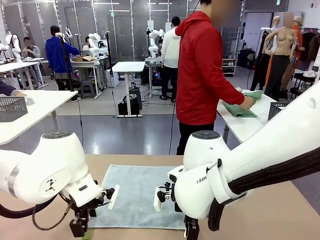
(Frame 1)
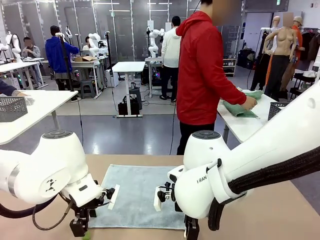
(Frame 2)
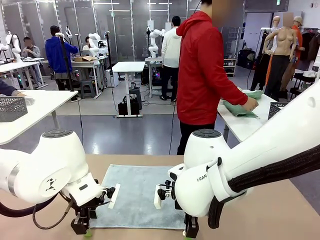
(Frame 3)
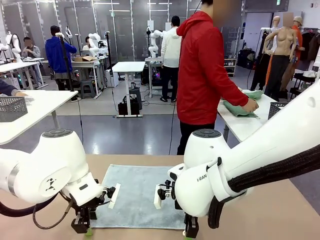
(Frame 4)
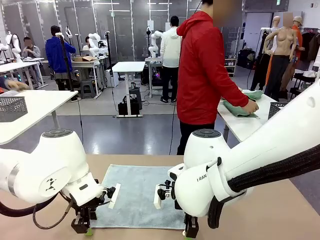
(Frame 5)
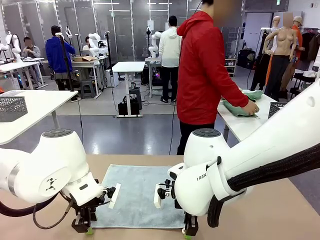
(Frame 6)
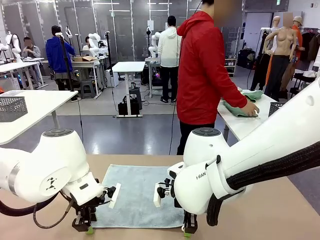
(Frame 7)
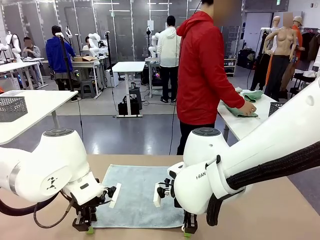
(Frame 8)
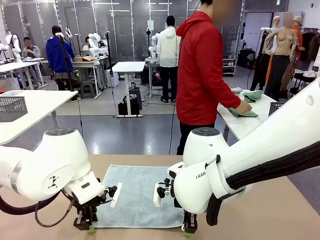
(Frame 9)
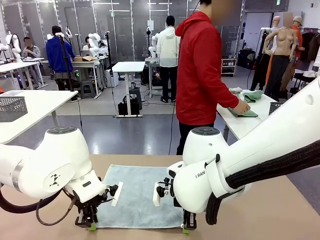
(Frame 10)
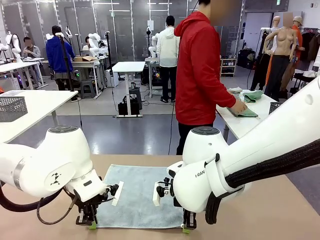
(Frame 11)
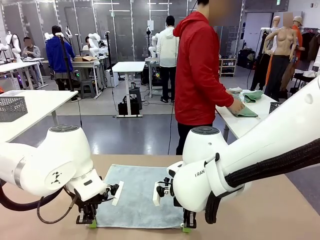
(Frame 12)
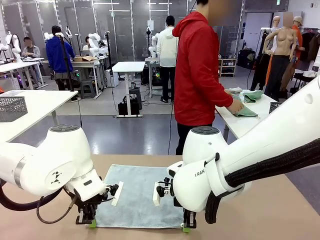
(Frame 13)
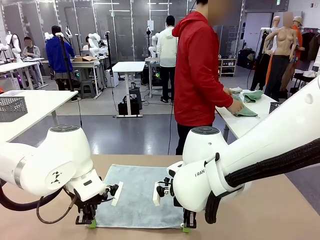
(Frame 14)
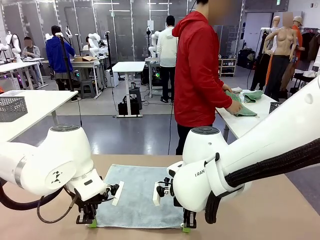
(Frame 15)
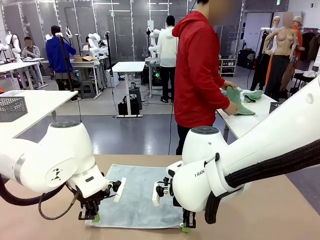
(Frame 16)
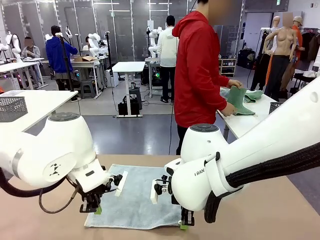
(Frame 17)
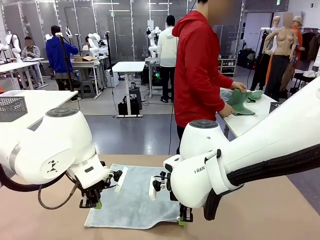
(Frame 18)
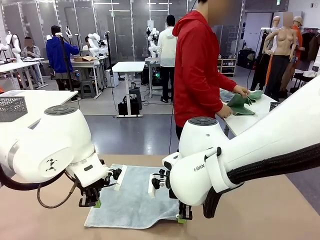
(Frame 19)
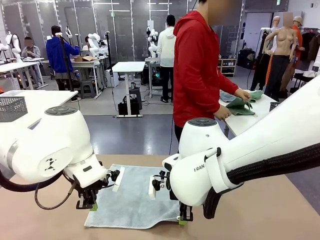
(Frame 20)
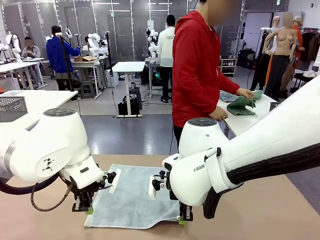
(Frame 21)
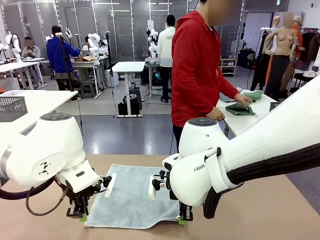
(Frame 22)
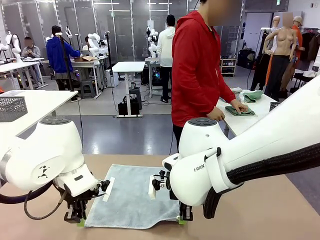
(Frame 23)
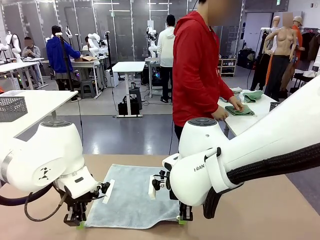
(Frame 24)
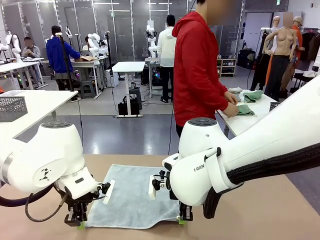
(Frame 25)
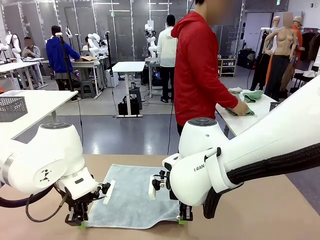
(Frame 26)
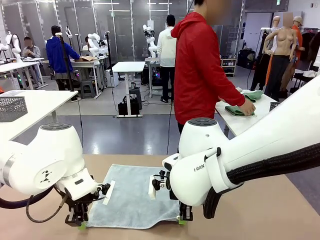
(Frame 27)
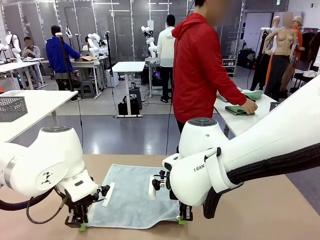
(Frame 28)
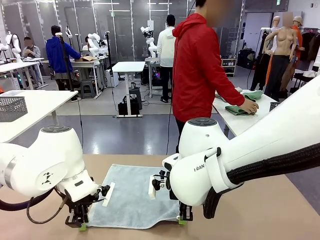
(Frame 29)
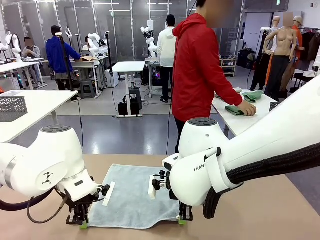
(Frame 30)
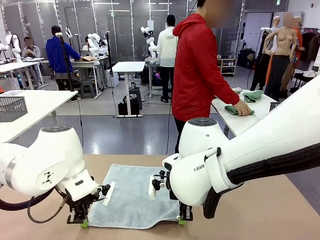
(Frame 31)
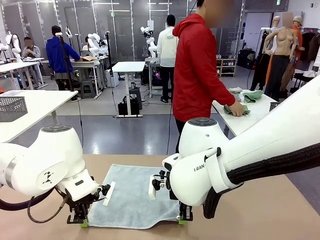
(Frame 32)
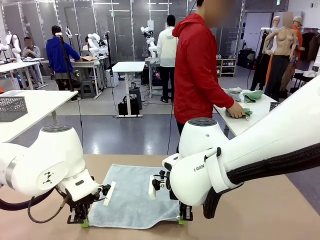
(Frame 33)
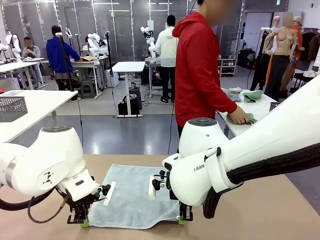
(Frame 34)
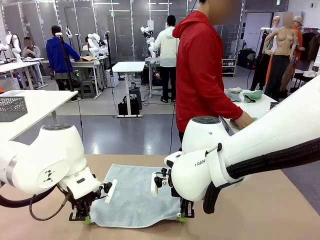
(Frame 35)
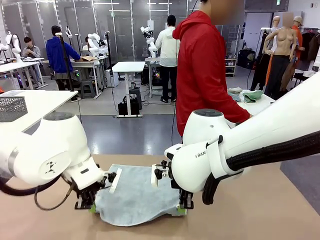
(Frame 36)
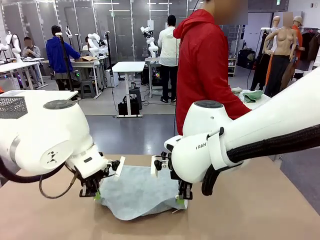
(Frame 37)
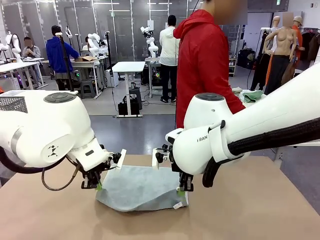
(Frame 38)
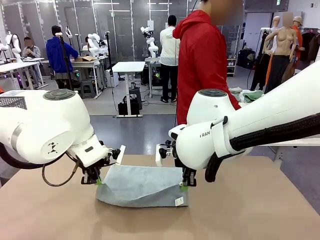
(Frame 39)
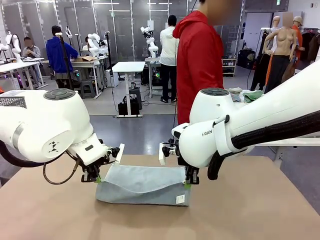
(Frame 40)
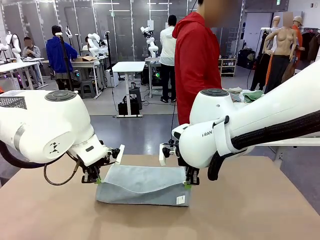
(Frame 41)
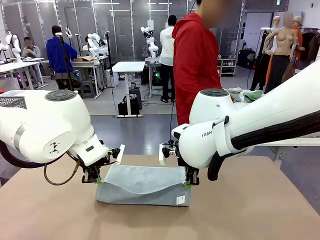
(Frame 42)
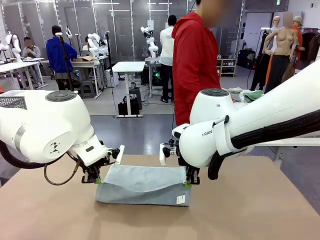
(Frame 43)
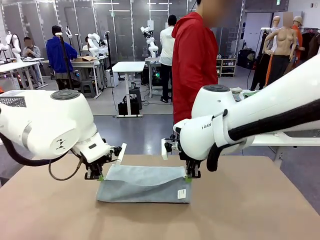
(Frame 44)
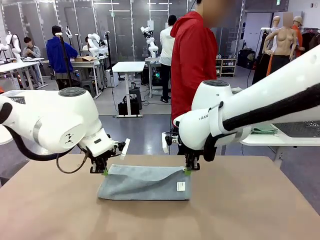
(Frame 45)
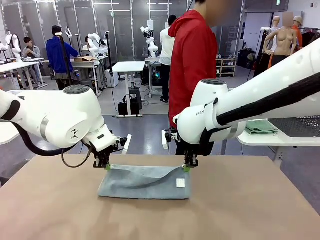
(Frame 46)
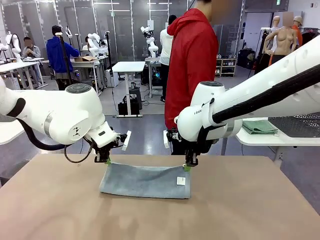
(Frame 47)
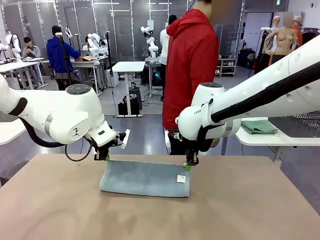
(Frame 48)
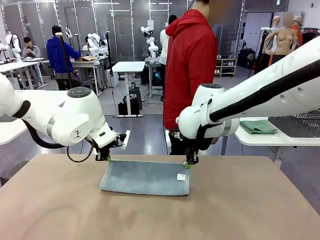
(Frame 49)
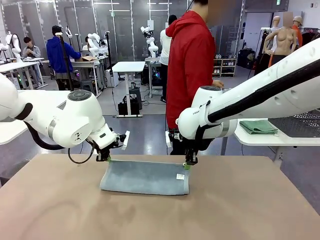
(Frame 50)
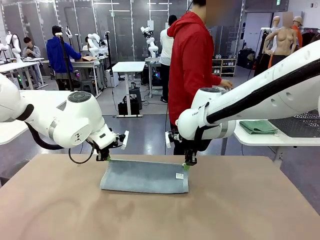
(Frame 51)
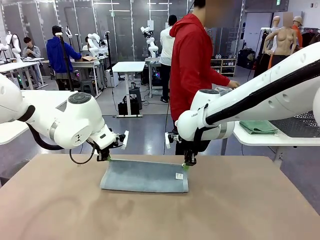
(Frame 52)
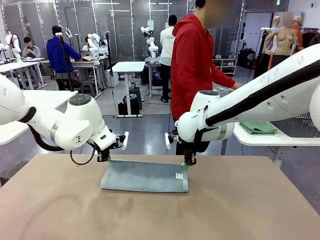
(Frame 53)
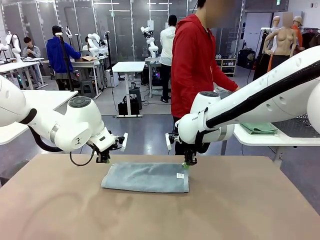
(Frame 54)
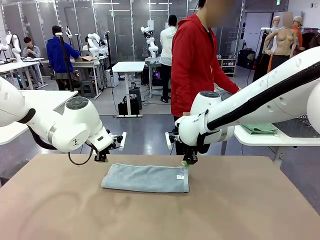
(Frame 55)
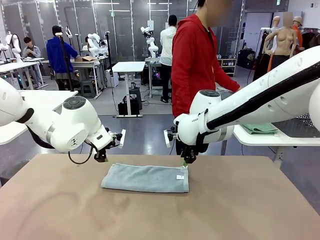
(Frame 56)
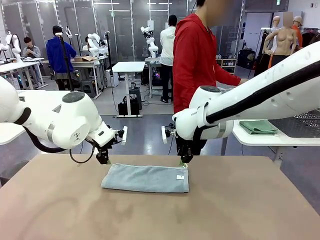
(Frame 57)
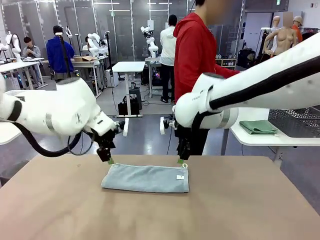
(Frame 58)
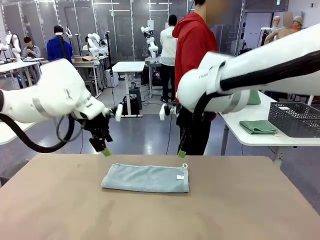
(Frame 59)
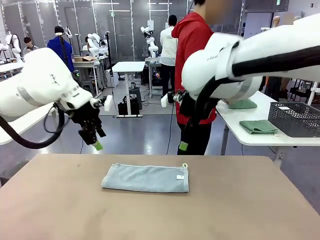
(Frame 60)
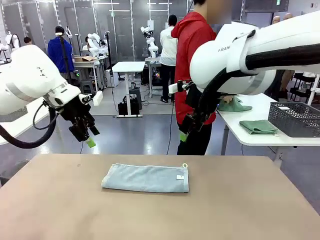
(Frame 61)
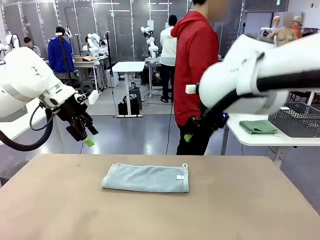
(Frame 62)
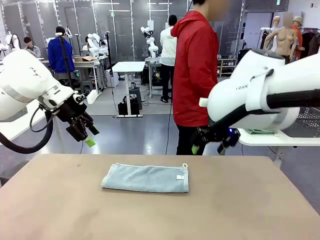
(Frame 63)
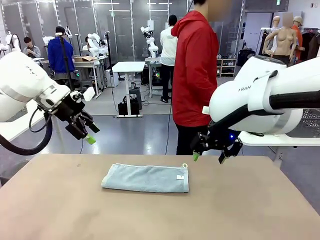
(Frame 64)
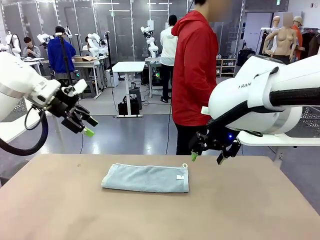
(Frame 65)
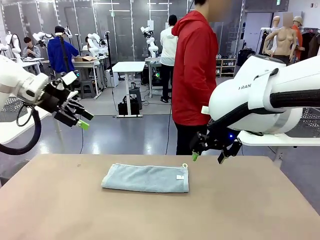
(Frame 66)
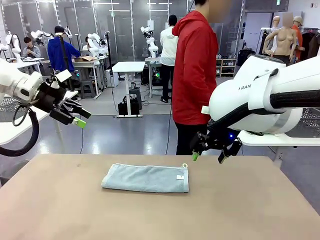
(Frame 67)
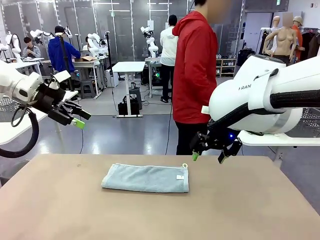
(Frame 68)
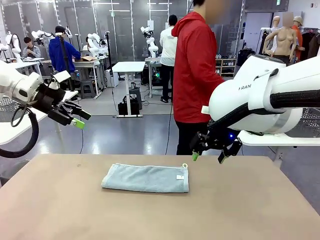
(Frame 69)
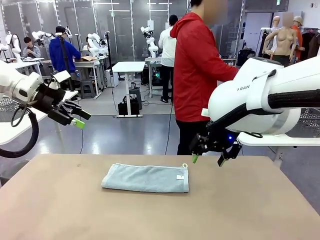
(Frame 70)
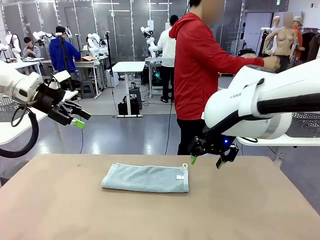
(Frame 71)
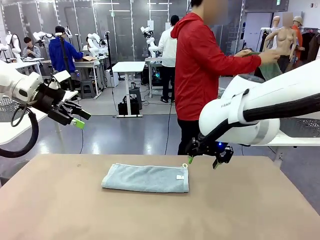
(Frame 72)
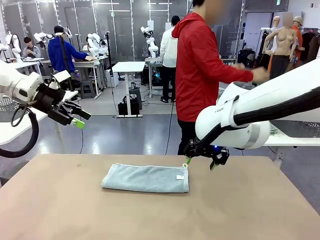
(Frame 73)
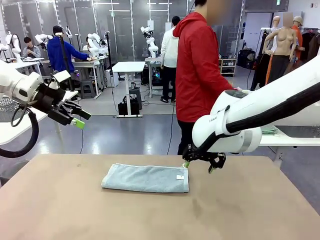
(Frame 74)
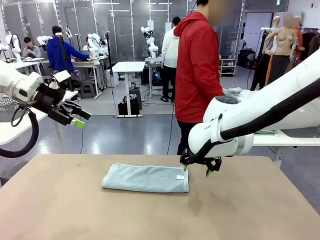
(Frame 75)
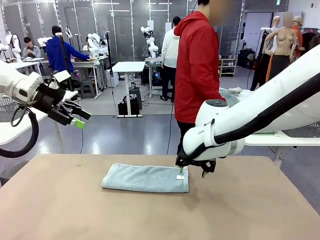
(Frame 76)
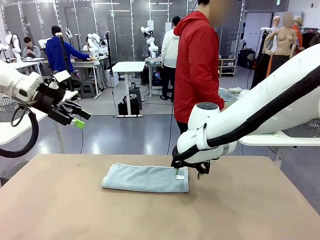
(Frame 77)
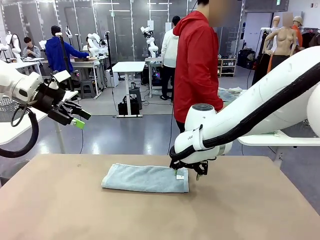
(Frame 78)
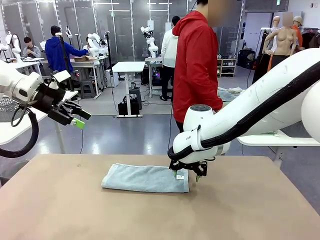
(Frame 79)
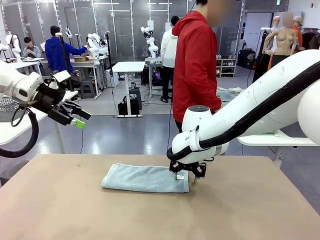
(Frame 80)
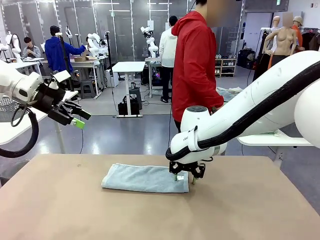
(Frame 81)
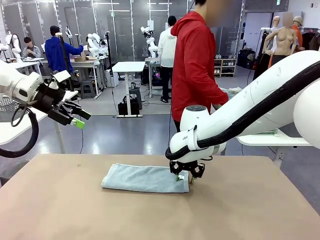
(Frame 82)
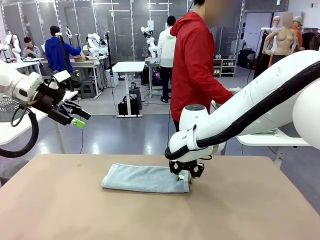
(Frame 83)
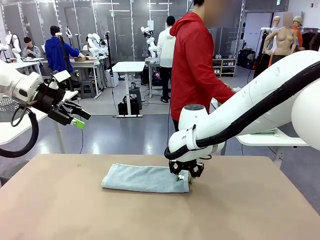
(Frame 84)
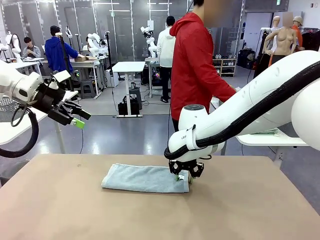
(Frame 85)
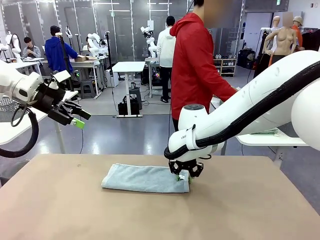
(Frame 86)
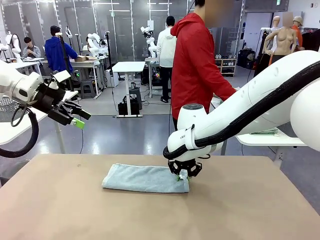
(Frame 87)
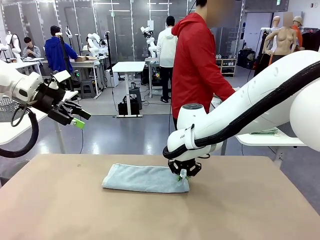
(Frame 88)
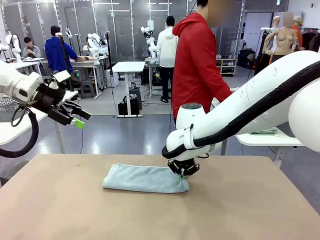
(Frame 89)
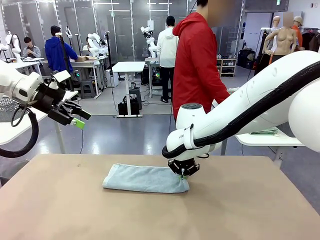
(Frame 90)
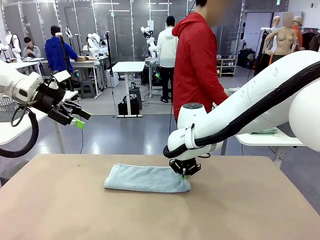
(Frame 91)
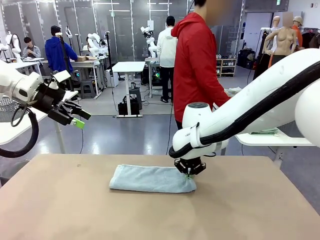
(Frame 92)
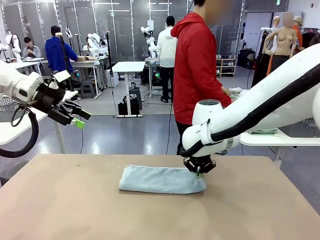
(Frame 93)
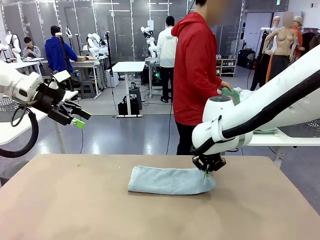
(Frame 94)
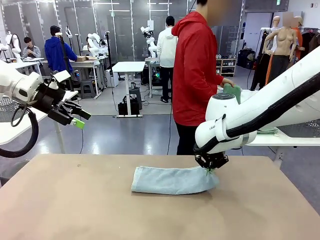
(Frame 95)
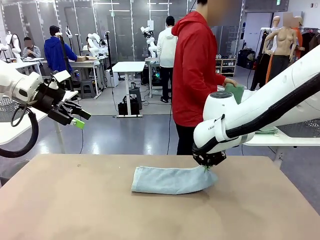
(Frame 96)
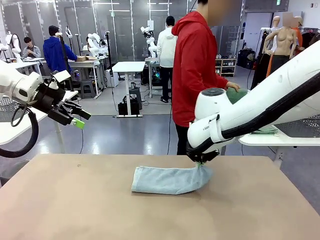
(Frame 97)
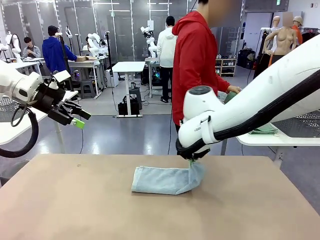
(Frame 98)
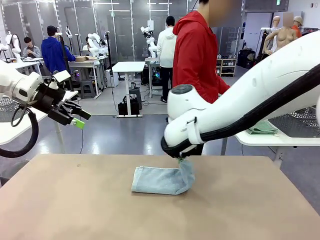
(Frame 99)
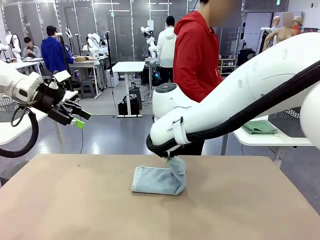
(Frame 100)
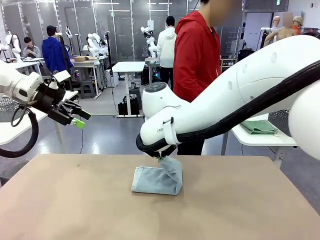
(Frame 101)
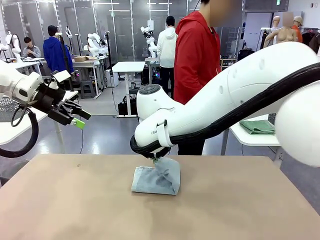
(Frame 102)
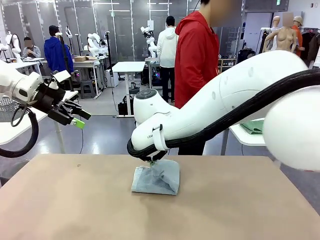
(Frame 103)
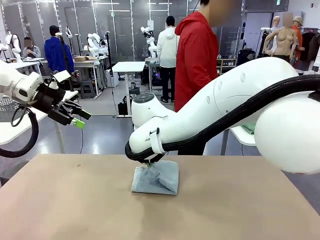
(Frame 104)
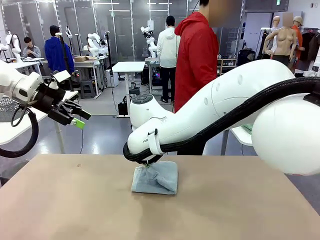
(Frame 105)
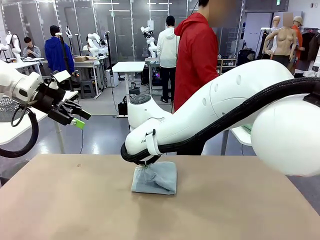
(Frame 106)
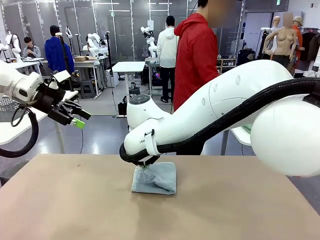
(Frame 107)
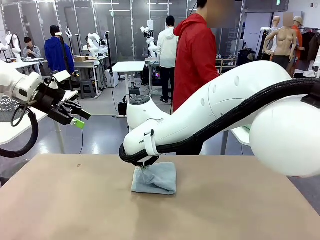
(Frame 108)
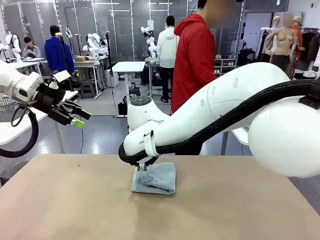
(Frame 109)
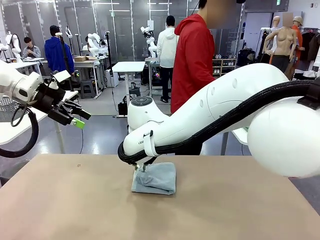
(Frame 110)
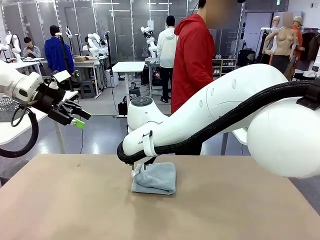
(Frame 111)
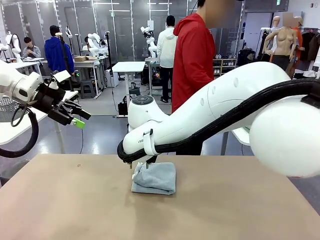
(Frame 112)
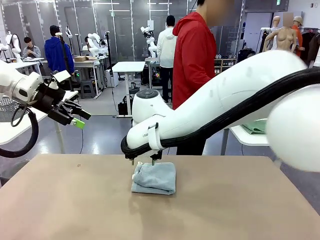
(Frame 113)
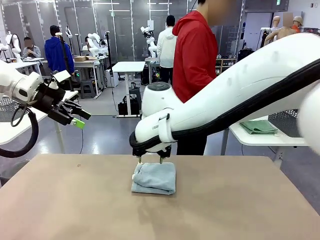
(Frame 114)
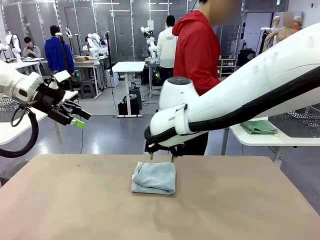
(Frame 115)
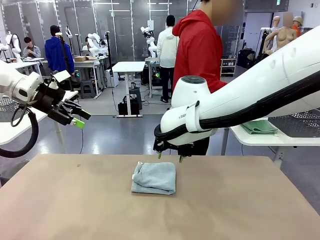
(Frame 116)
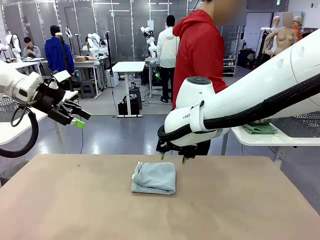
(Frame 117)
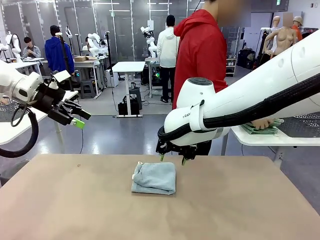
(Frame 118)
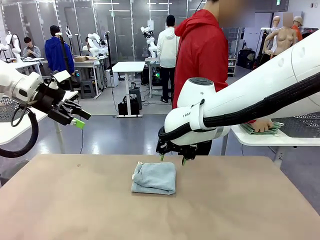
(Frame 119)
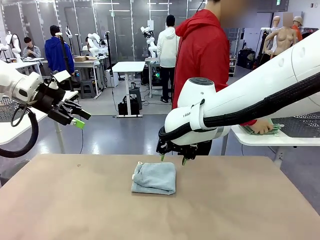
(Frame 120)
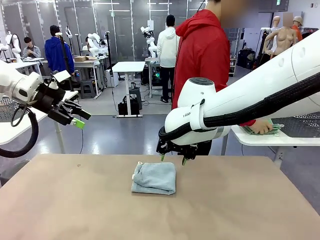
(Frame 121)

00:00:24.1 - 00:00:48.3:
Task: Fold the towels and place them in the basket.
Robot: When a person lays out a Towel with hook on the table, fold it in half twice.
Person: Pick up one towel from the left side of the human table, fold it in half twice, and place it on the right side of the table. Pick up one towel from the left side of the human table, fold it in half twice, and stack it on the right side of the table.
